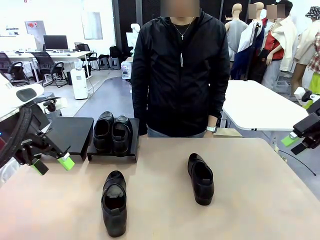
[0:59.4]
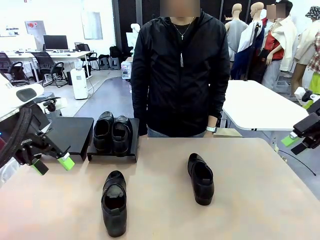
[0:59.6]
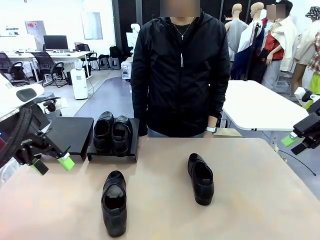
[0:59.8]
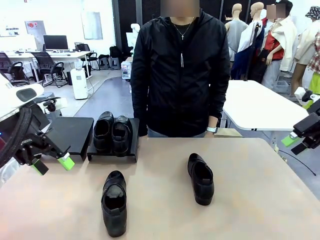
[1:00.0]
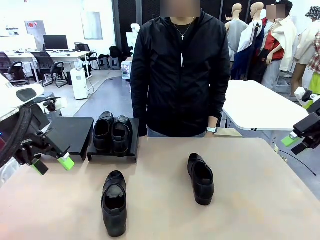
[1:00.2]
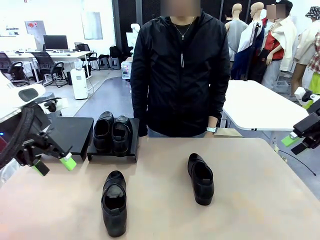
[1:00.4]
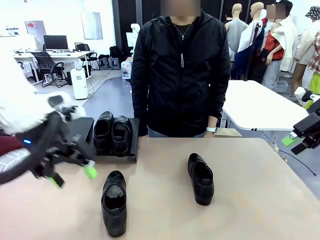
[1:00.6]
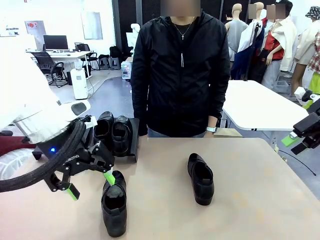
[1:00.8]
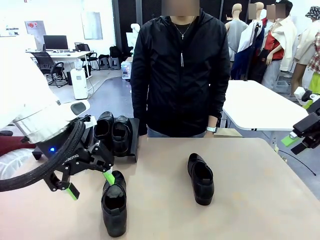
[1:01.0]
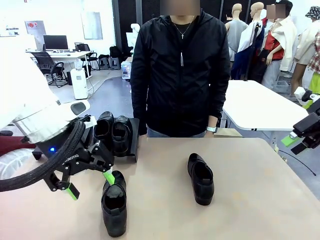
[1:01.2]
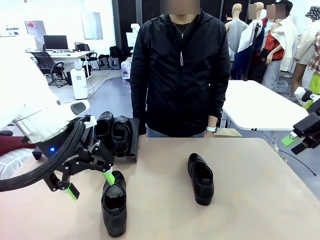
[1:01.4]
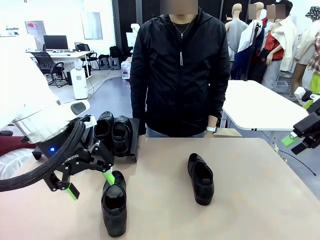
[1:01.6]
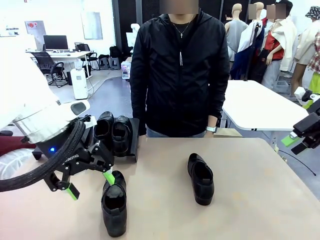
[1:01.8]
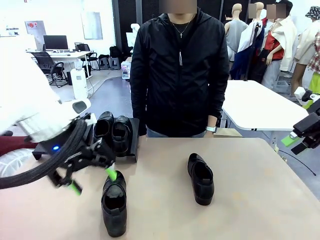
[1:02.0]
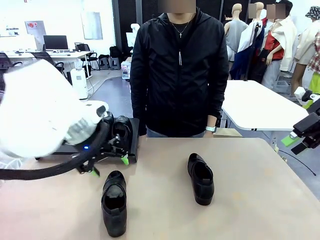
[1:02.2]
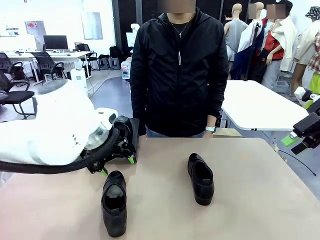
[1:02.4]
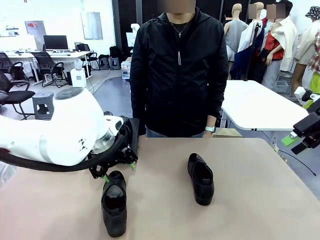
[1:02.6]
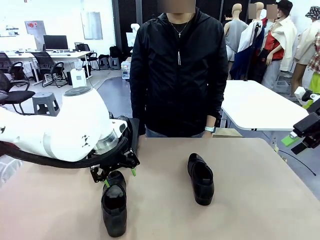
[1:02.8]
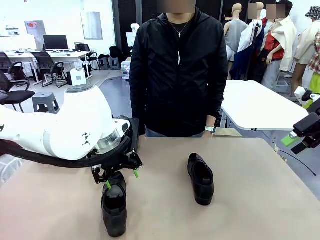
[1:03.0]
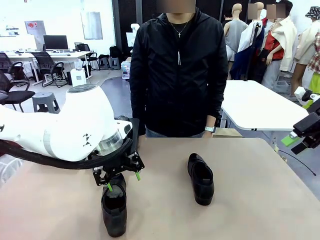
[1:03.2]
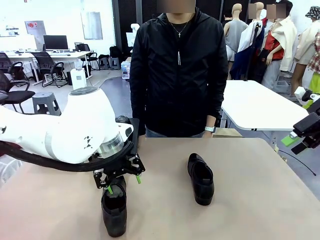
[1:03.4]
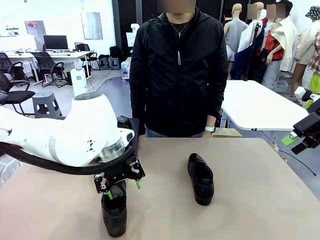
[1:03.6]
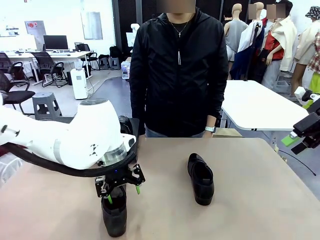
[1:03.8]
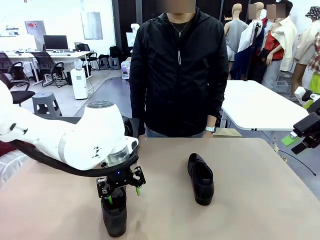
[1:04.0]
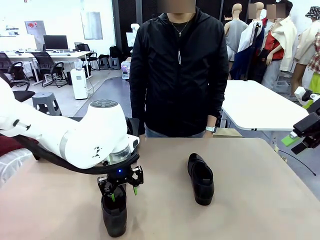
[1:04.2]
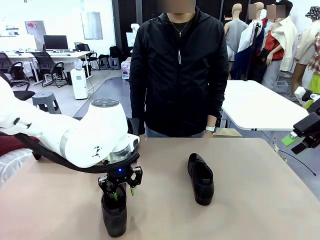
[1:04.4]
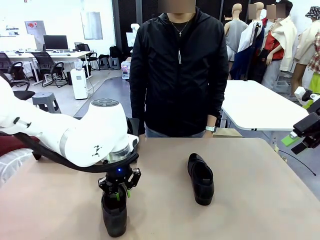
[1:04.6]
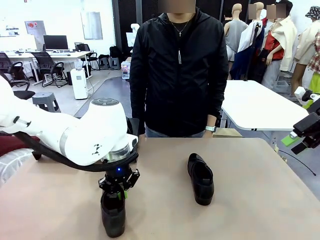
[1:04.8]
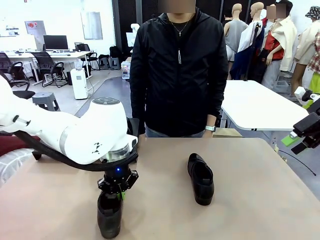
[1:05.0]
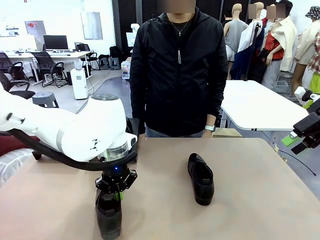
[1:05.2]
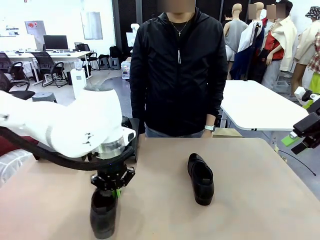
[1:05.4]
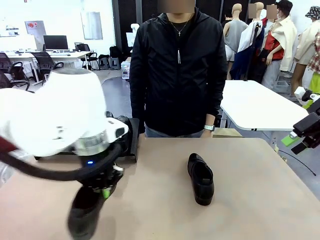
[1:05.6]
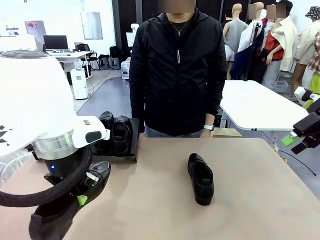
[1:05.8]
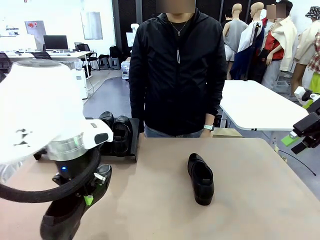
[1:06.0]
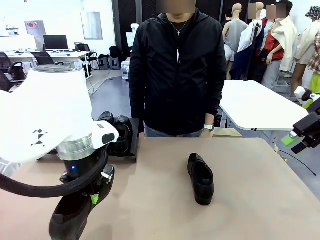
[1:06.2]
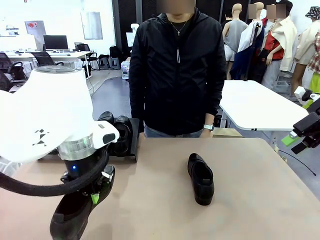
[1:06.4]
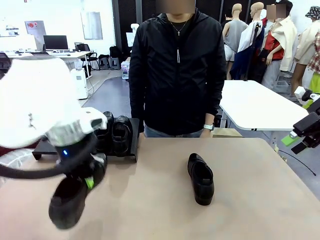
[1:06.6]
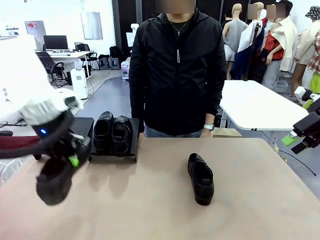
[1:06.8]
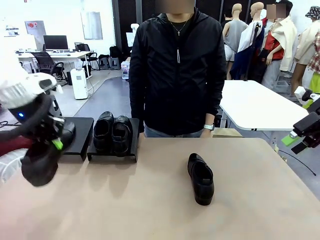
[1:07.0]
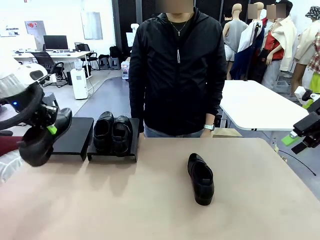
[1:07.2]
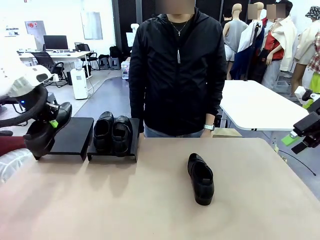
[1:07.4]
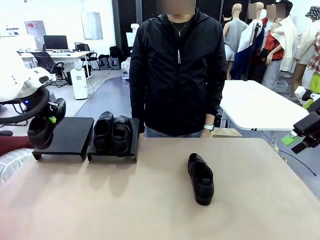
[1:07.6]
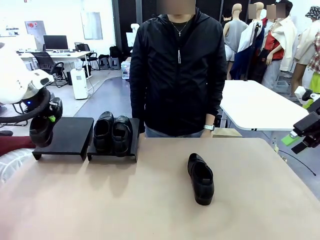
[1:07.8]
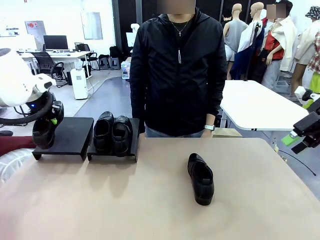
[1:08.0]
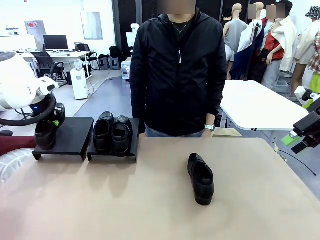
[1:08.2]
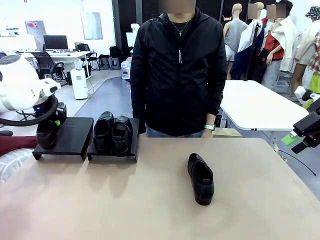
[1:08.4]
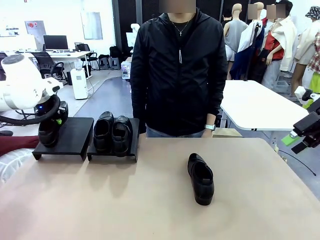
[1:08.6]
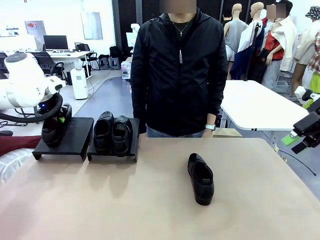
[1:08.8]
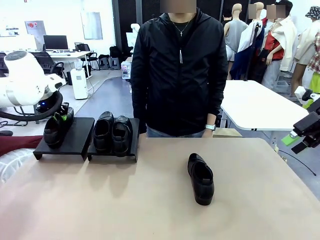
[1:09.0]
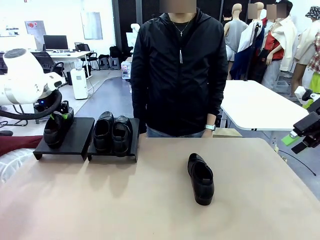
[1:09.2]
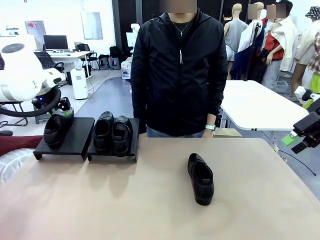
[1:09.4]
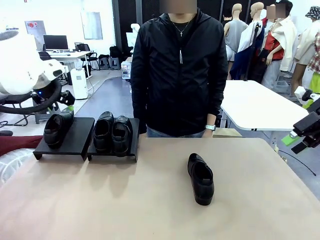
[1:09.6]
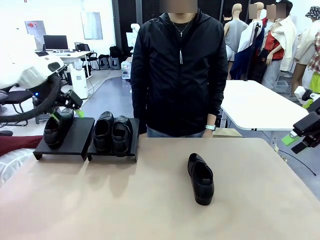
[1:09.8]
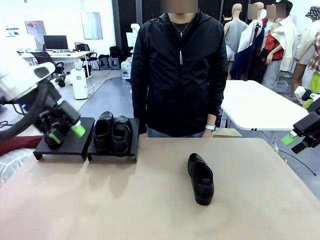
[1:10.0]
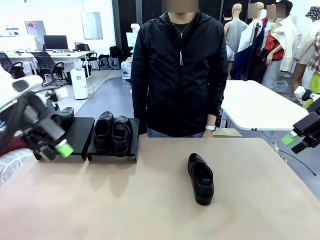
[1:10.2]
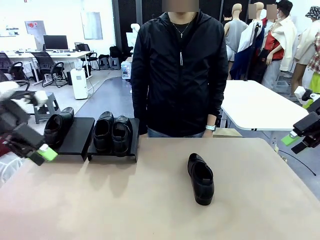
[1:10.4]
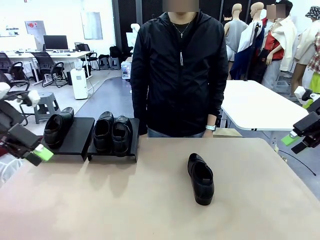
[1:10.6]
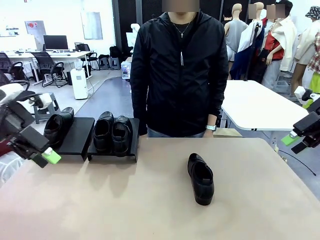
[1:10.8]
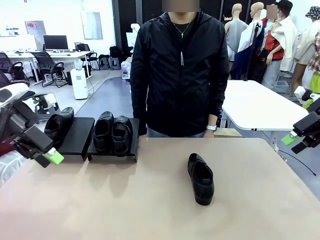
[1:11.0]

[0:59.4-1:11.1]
Task: Organize the shoes by placing them on the stand.
Robot: Place the Shoe from the middle of the table onto the Shoes Stand.

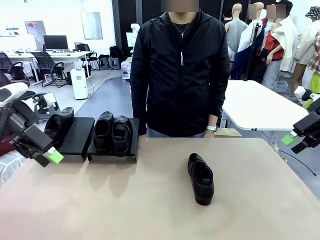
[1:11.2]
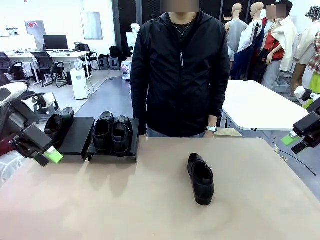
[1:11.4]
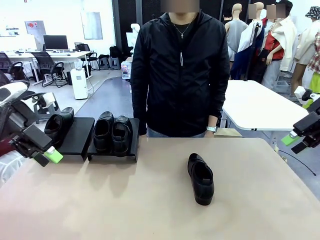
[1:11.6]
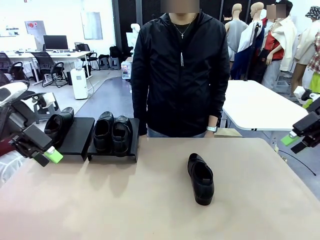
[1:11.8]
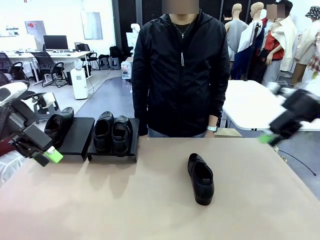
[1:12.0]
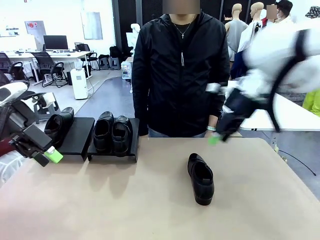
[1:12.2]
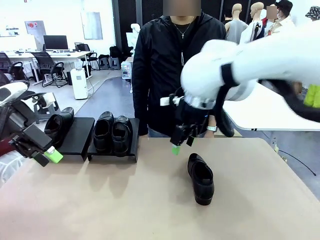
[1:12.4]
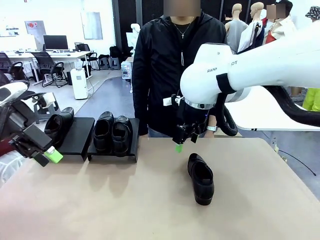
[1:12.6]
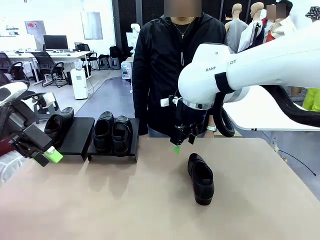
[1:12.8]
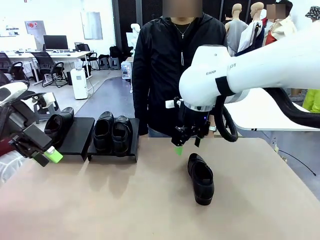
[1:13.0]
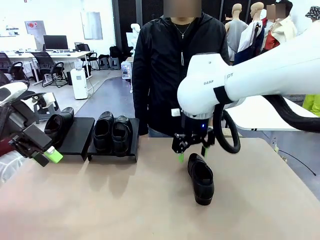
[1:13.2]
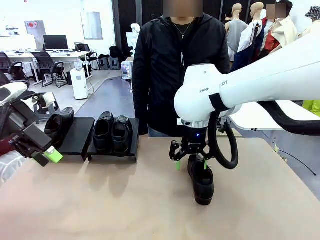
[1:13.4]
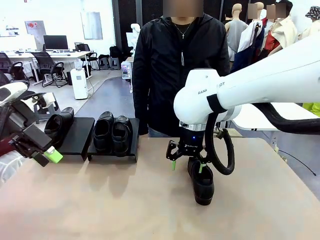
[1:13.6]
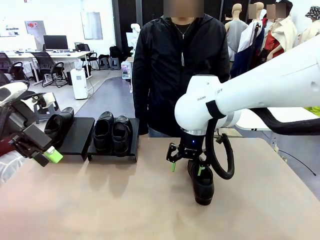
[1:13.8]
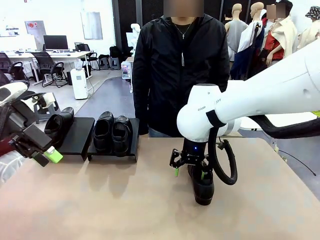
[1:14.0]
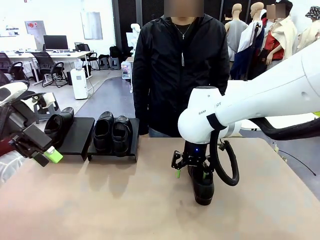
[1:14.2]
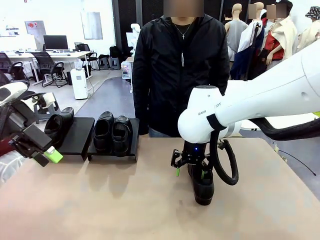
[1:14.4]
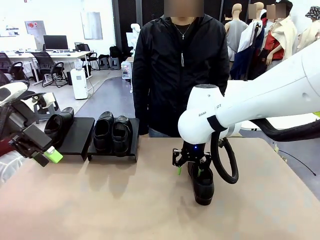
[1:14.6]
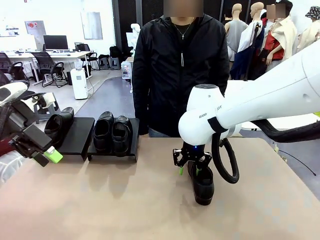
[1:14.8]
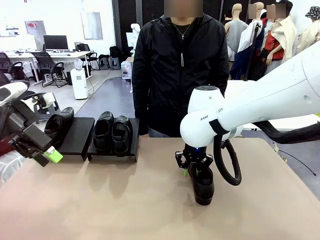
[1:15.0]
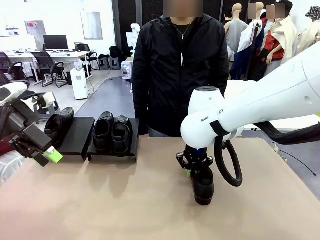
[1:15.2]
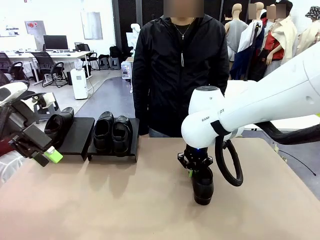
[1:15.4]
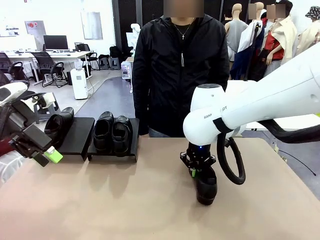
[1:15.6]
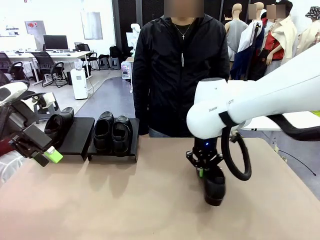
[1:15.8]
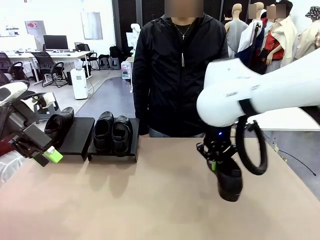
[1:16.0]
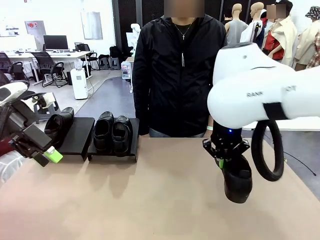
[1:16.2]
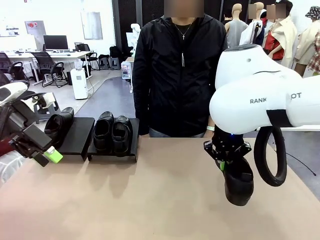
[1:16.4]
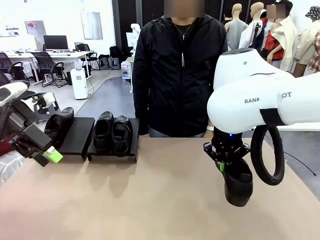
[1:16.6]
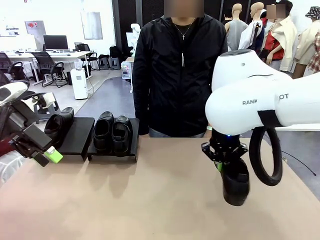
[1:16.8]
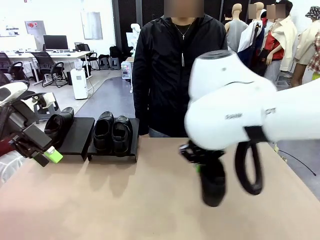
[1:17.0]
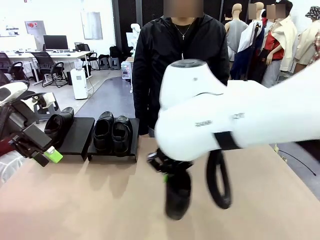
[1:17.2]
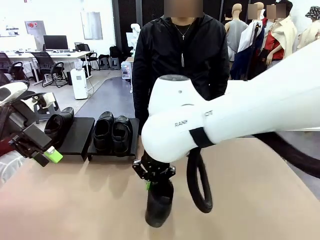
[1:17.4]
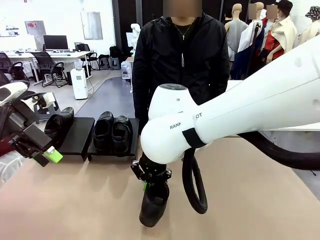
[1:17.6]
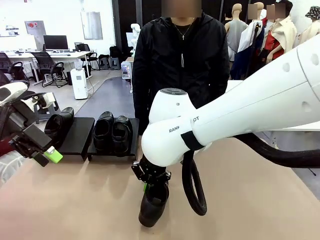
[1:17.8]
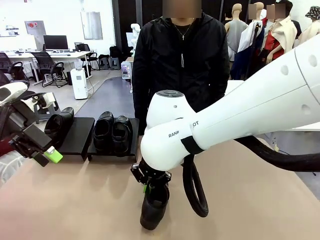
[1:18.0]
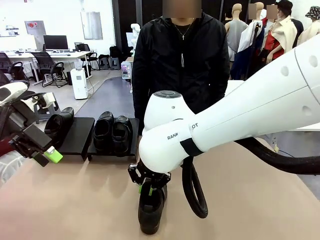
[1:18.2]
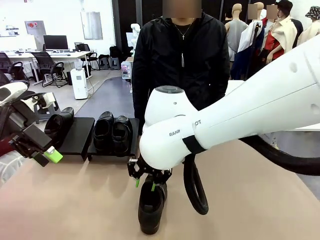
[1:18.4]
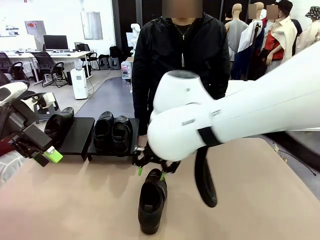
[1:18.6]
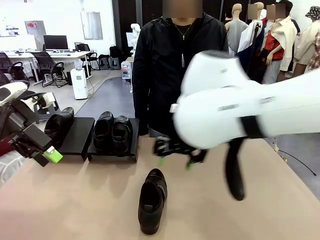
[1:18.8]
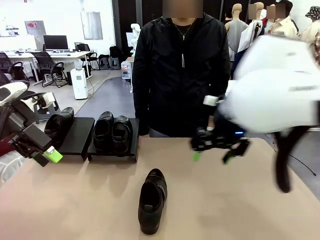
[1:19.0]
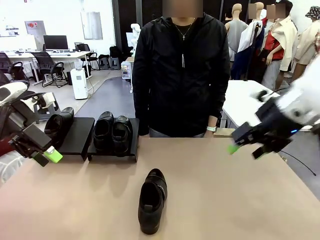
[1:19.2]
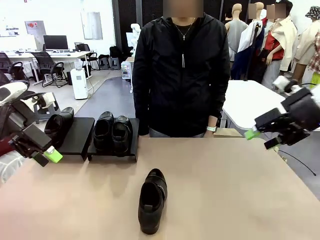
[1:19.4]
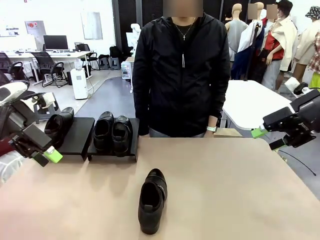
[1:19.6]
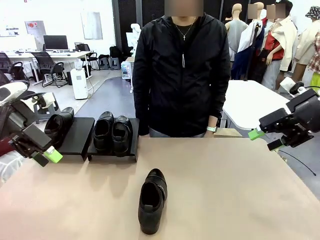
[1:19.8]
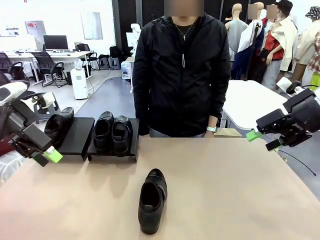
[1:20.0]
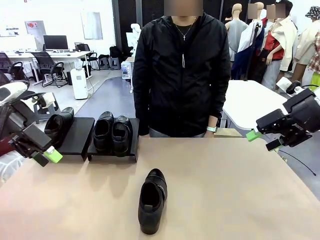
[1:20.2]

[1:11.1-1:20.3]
Robot: Pick up one Shoe and place it in the middle of the table.
